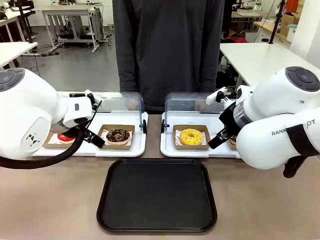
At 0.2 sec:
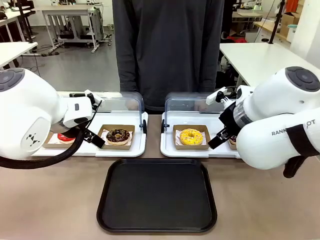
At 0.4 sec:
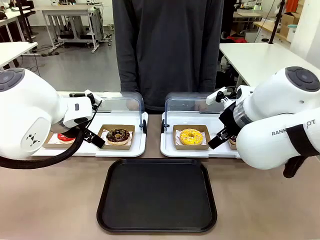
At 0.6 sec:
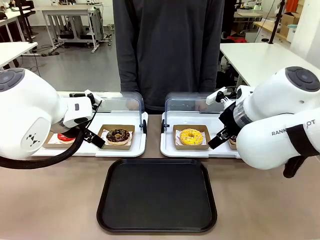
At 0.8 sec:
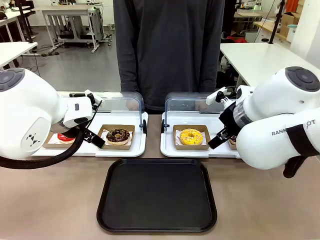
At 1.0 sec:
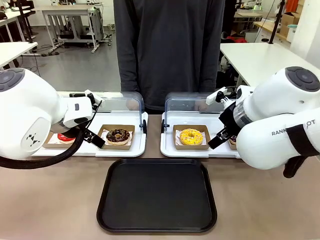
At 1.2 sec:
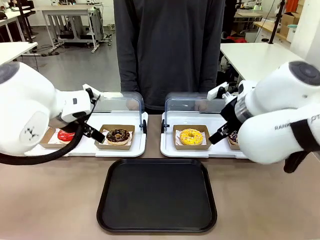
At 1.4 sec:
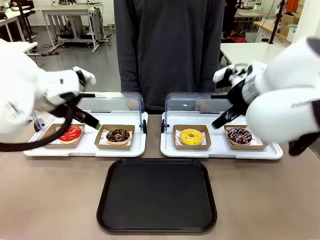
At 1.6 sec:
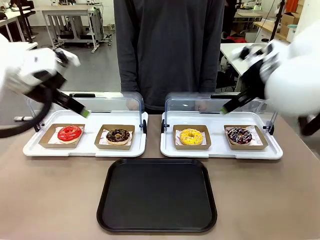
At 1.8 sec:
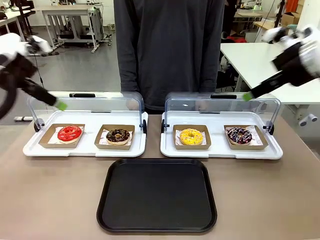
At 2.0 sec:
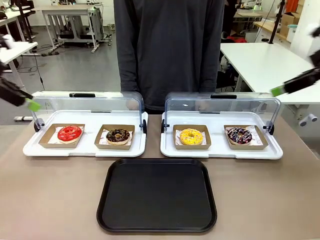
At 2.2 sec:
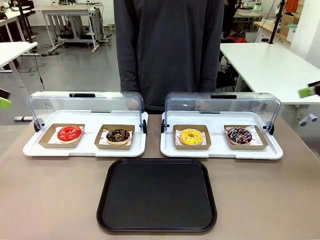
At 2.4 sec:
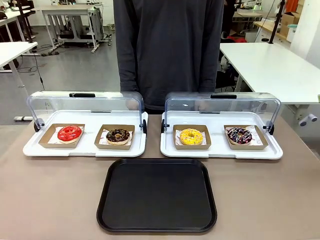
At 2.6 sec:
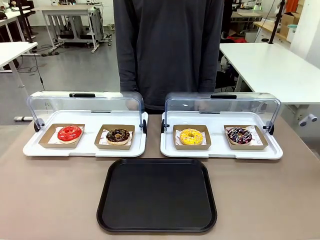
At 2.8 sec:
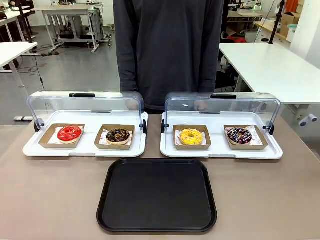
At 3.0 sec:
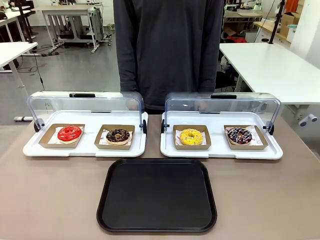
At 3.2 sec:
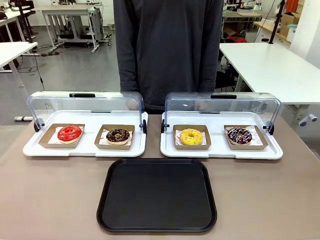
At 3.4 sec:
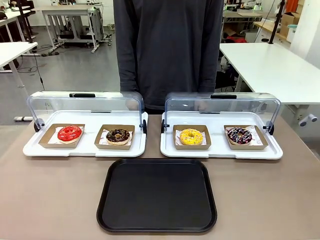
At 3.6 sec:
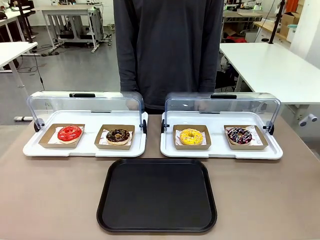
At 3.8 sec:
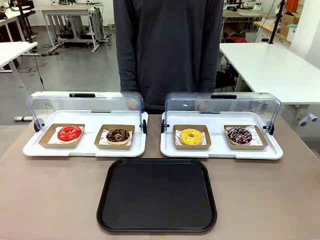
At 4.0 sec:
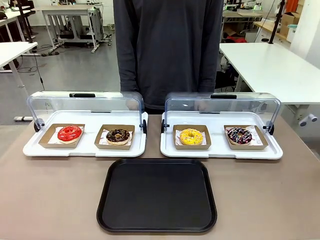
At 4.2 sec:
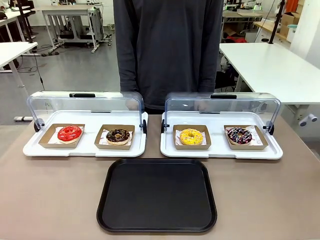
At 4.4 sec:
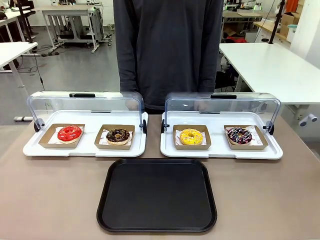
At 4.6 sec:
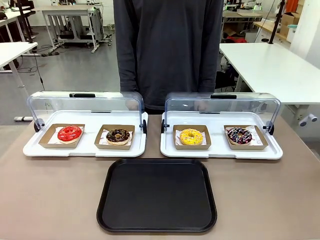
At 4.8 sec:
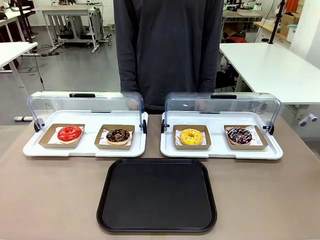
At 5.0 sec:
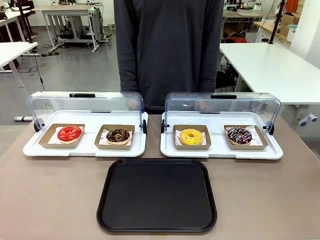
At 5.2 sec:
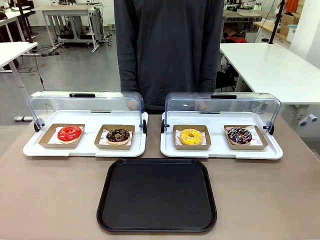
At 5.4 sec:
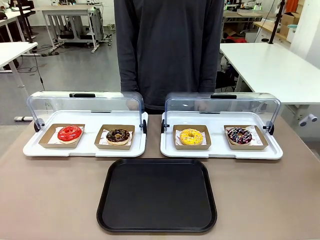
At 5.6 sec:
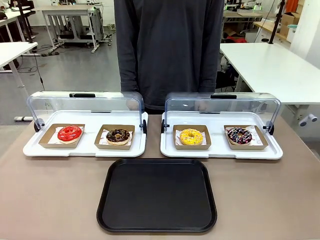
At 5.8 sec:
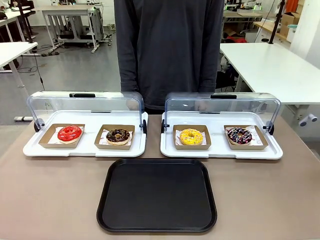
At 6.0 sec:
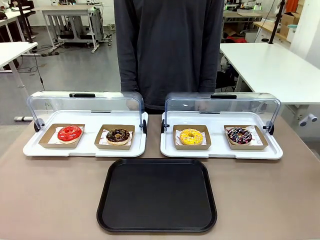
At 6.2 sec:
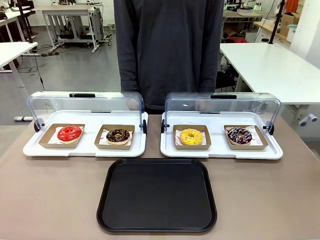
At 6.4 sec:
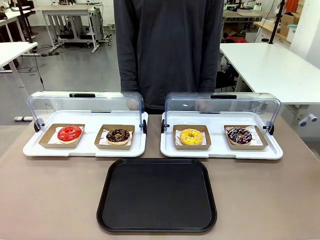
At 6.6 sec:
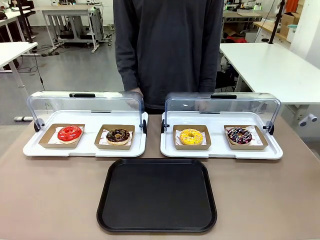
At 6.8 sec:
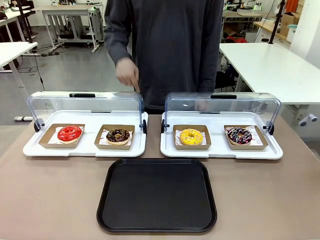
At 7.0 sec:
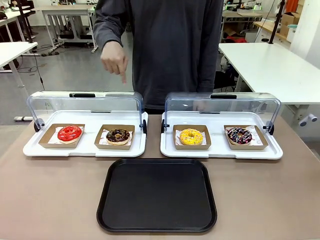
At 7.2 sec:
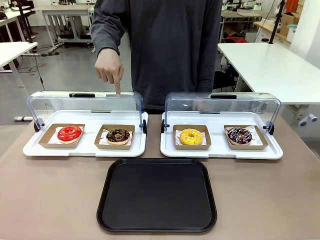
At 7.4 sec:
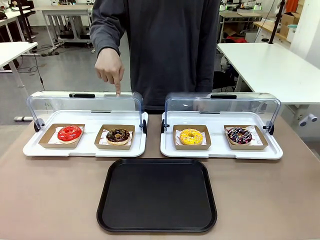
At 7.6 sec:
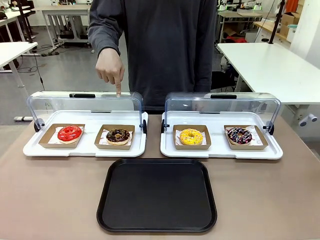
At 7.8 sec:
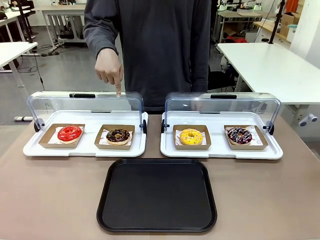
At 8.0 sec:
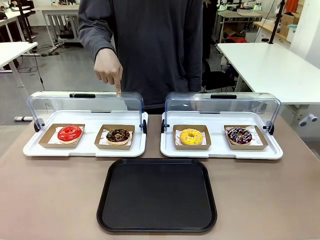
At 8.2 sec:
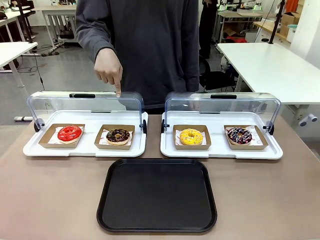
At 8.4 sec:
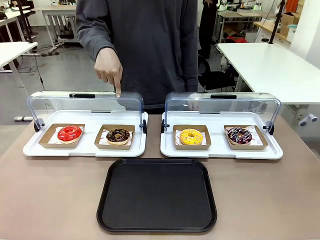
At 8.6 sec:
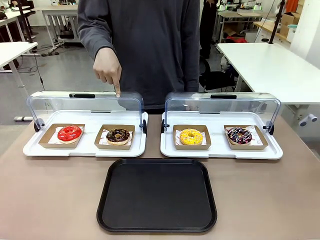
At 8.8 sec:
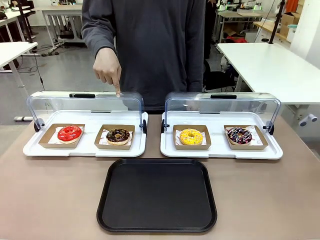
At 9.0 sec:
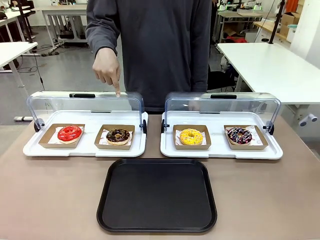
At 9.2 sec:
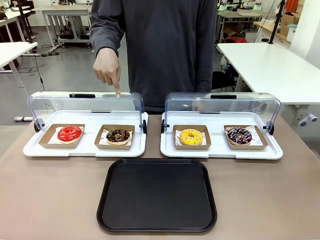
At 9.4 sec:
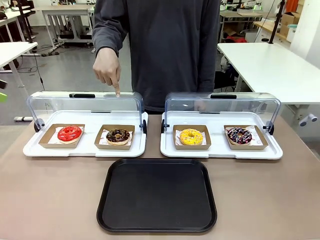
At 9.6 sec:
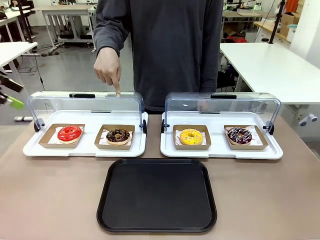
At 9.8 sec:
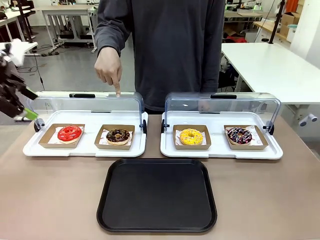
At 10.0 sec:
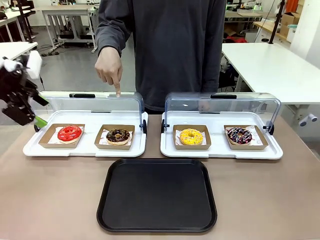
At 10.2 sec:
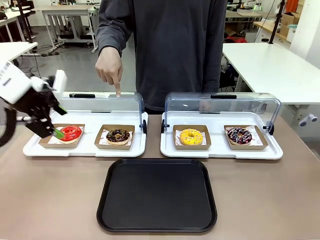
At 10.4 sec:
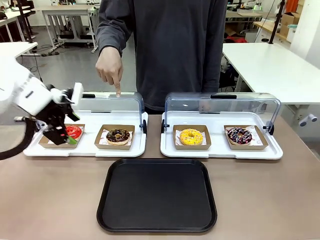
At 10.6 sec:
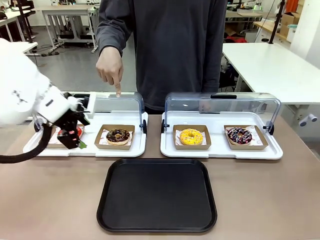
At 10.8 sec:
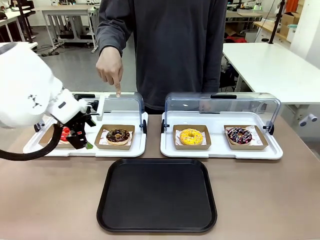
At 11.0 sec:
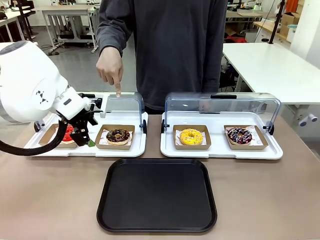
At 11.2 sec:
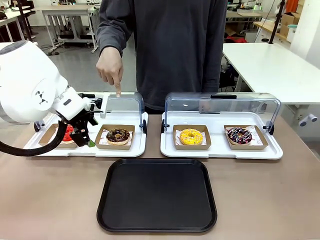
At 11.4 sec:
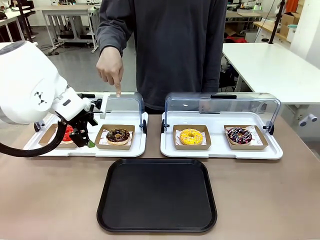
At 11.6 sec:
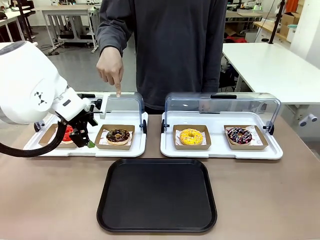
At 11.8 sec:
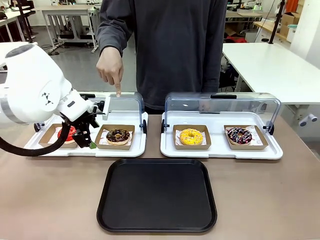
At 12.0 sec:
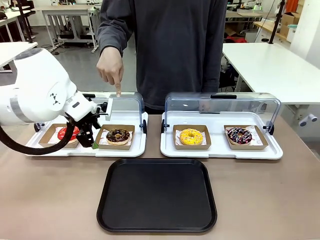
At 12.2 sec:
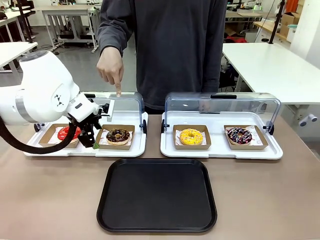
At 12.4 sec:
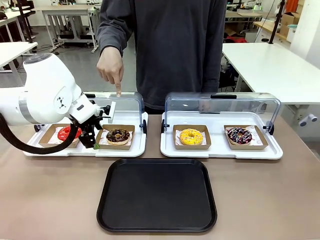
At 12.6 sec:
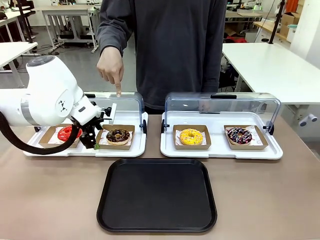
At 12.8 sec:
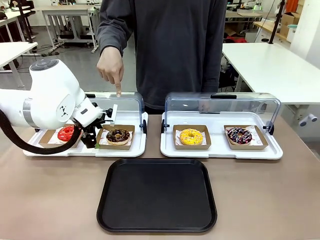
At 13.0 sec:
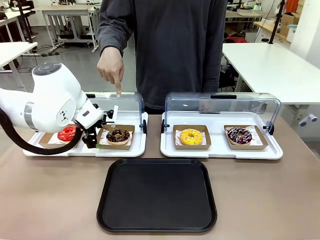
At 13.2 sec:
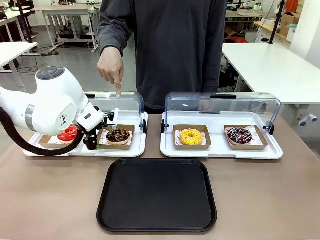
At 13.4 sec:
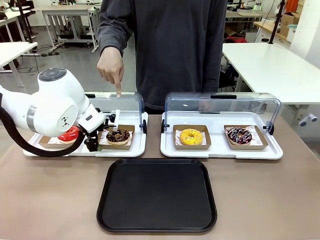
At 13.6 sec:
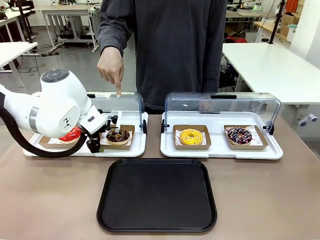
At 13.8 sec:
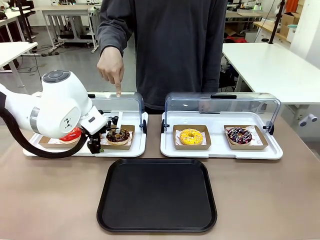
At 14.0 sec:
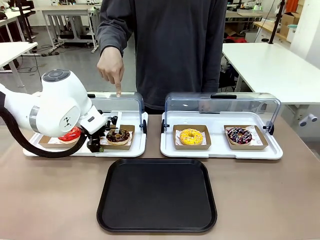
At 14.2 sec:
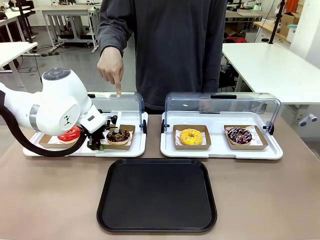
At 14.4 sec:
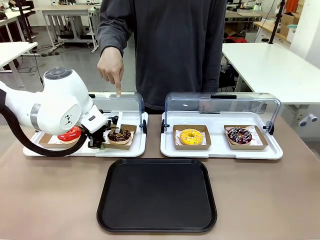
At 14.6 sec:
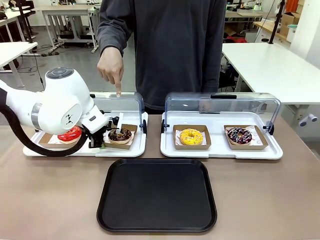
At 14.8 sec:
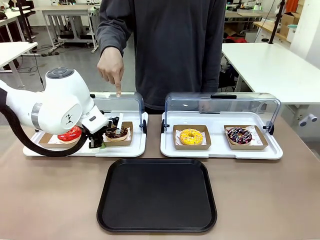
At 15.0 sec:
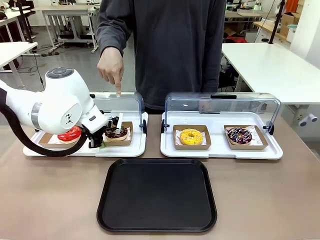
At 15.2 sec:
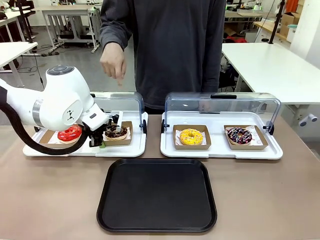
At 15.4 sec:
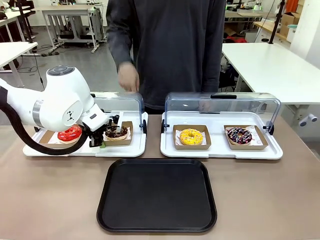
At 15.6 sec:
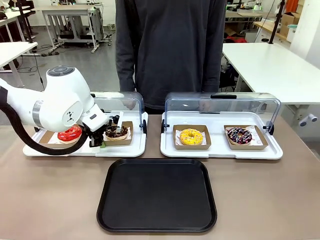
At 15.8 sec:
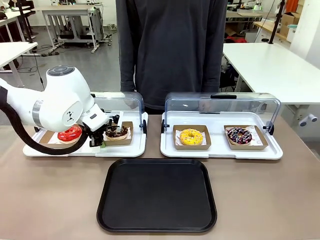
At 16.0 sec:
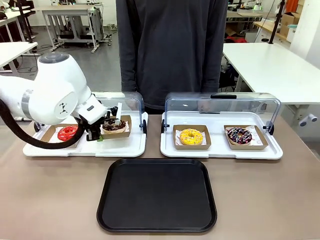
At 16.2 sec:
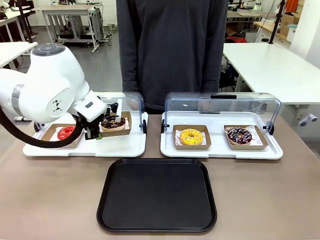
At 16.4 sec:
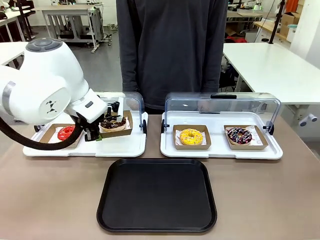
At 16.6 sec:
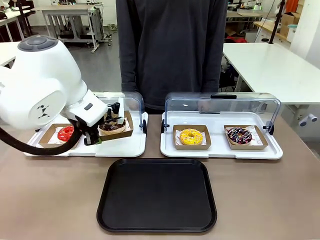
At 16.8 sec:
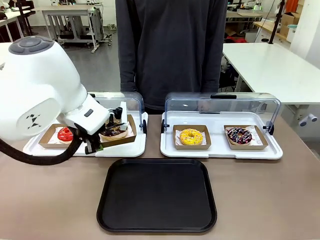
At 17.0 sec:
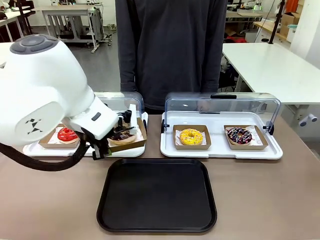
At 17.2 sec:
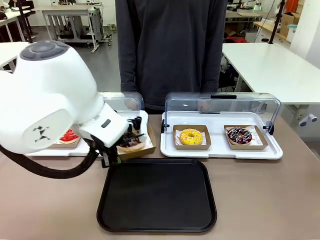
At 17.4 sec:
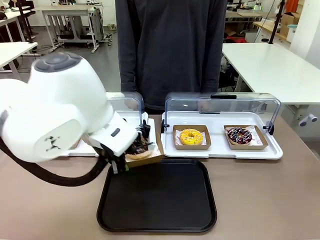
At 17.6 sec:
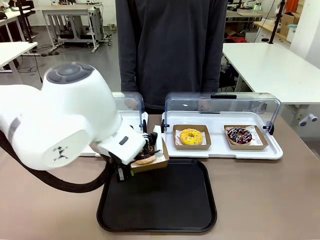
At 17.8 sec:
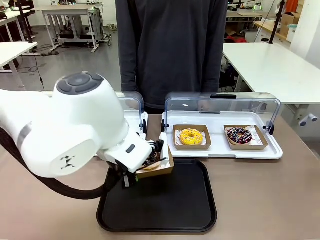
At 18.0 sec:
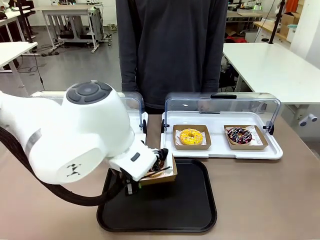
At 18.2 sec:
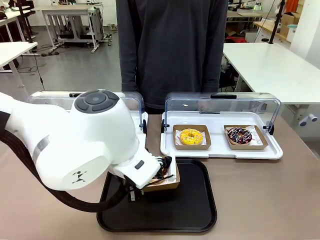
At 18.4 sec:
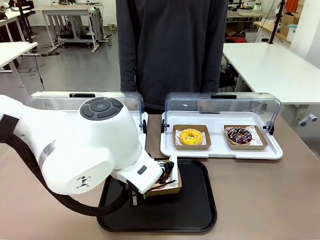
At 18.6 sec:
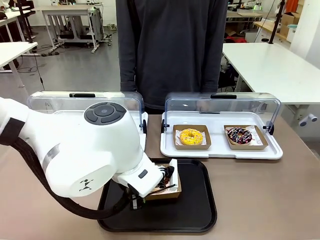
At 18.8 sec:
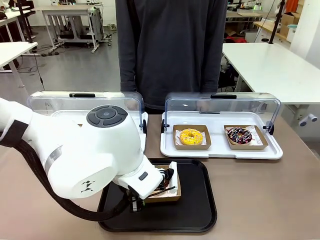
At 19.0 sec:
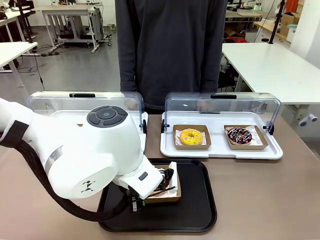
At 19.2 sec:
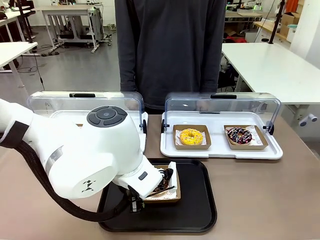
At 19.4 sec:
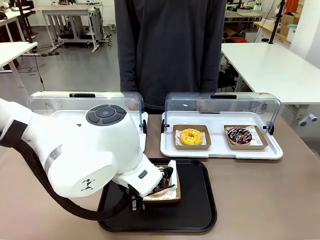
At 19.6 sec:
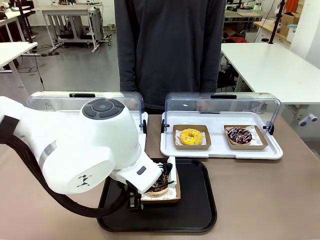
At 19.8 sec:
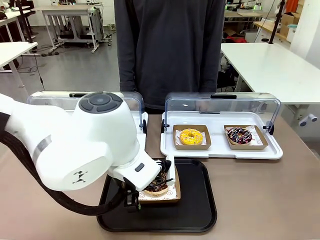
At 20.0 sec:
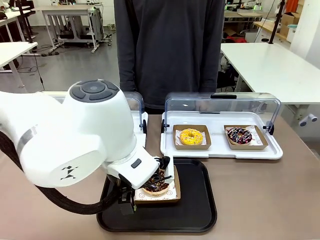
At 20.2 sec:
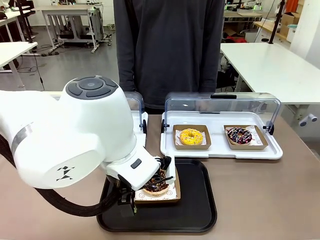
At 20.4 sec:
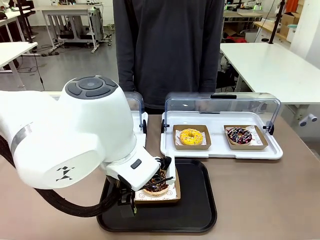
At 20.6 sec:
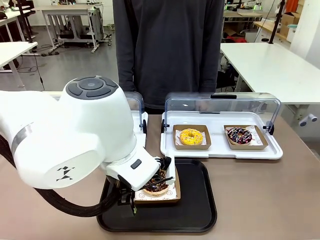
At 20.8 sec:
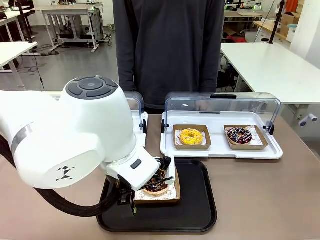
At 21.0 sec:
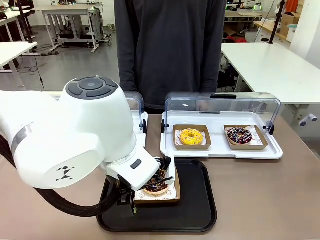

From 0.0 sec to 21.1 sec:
Task: Move the second donut from the left to the tray.
Robot: Pick up the Paper togo box containing the Donut indicated by the person and place it on the Handle tray.
Person: Points to the second donut from the left from the robot’s perspective.
